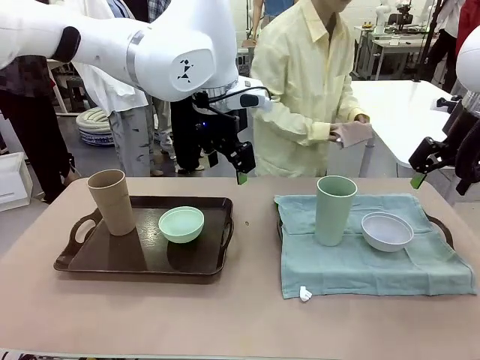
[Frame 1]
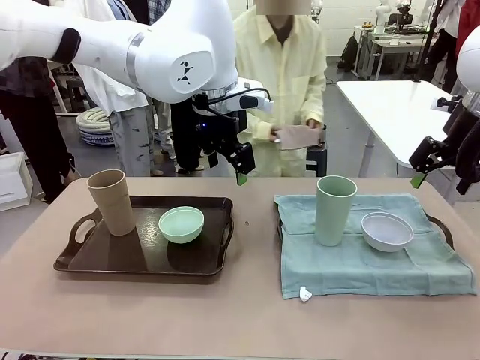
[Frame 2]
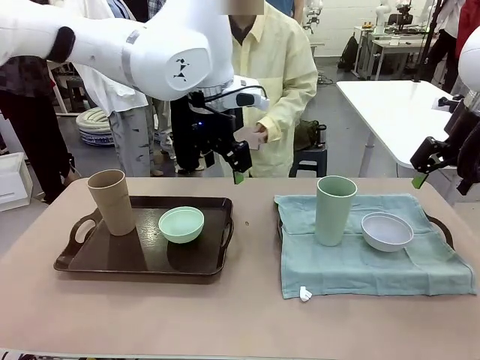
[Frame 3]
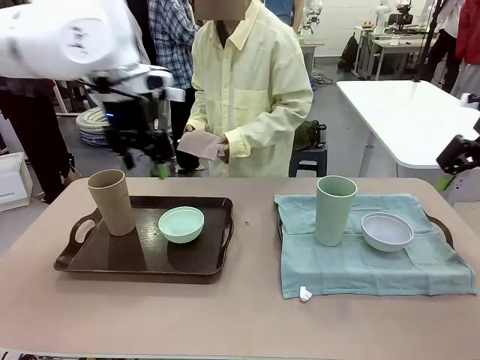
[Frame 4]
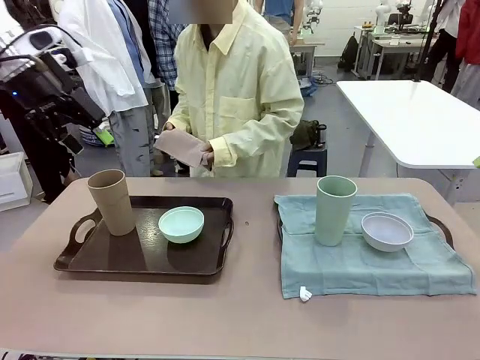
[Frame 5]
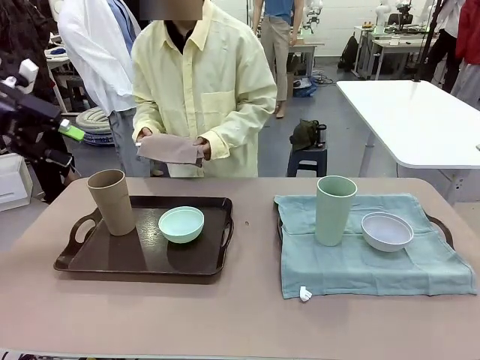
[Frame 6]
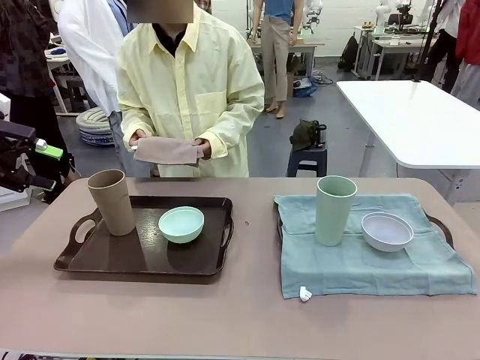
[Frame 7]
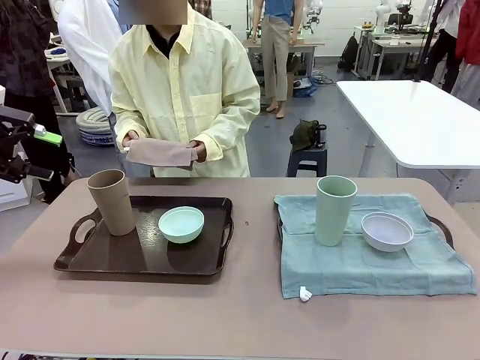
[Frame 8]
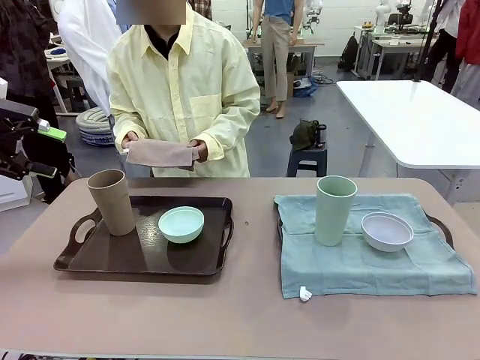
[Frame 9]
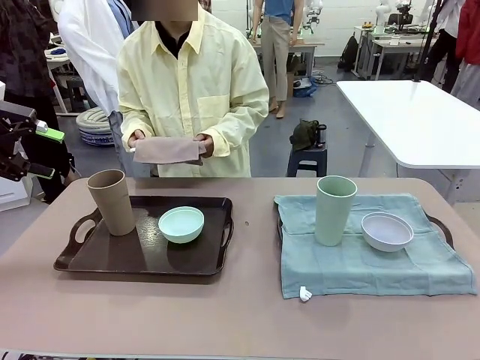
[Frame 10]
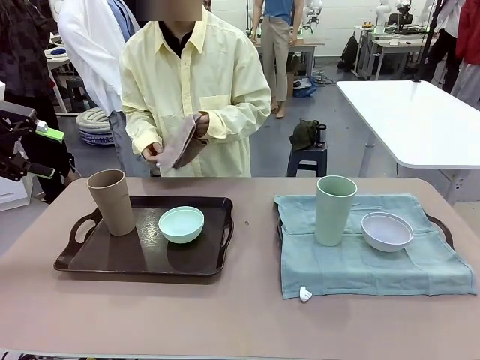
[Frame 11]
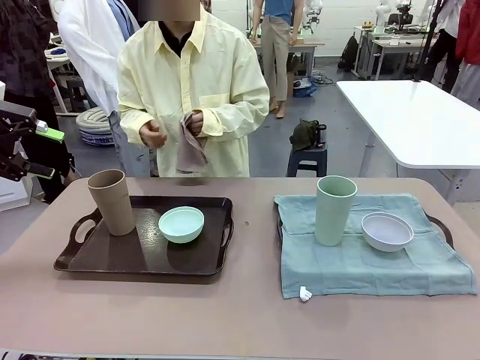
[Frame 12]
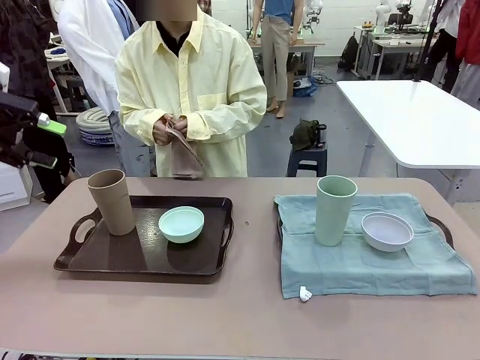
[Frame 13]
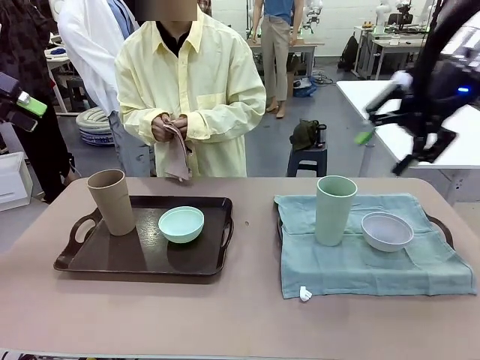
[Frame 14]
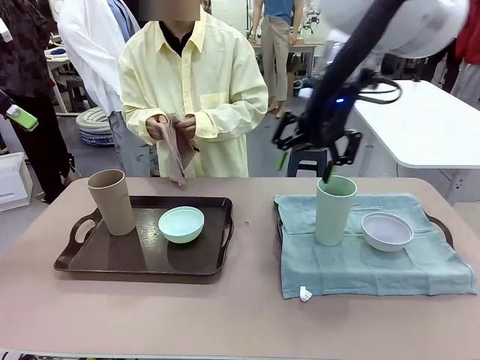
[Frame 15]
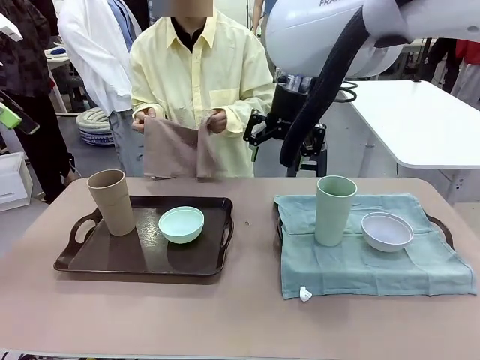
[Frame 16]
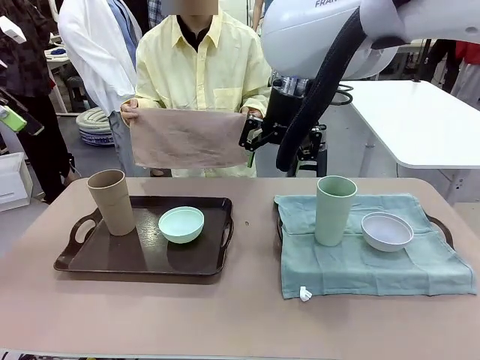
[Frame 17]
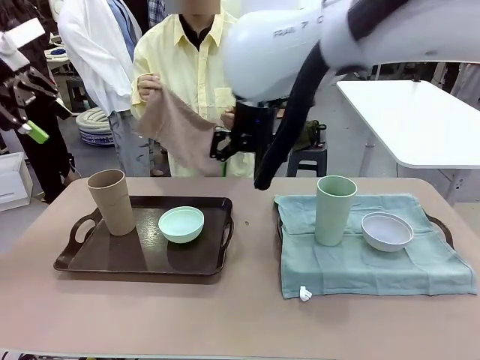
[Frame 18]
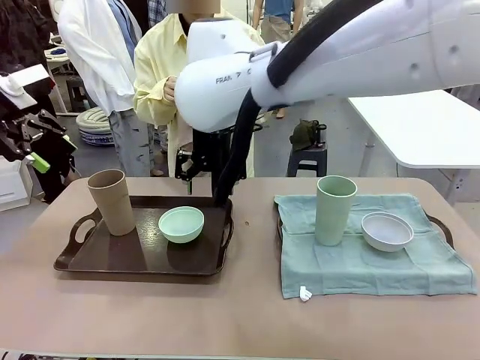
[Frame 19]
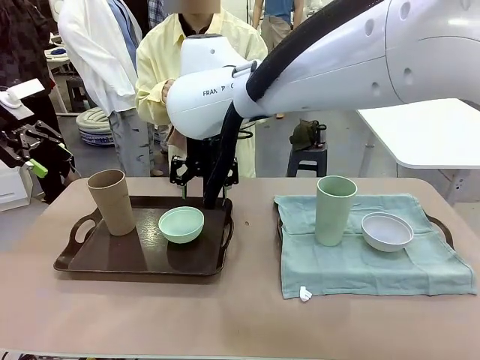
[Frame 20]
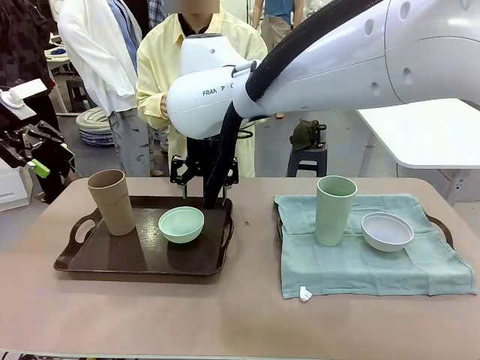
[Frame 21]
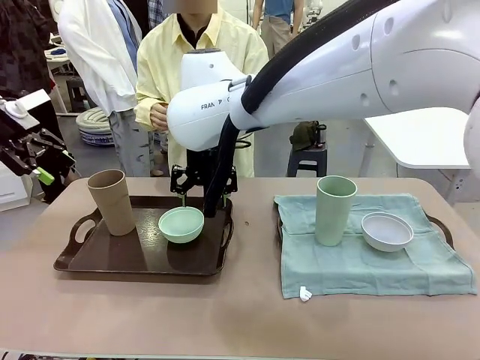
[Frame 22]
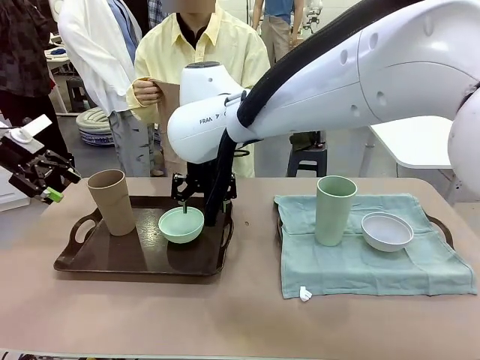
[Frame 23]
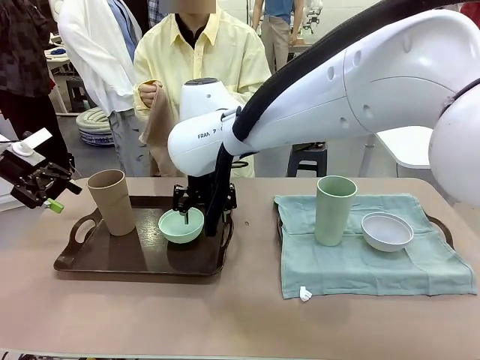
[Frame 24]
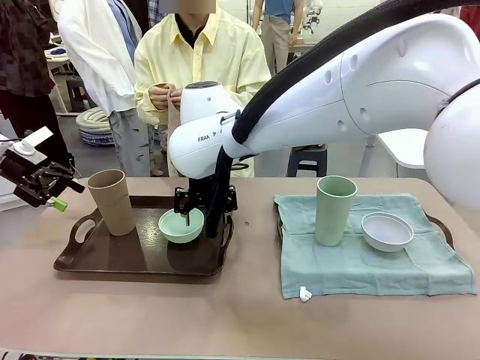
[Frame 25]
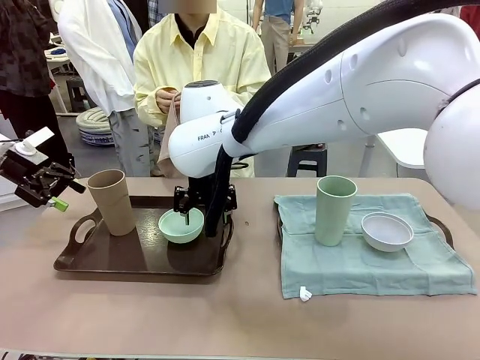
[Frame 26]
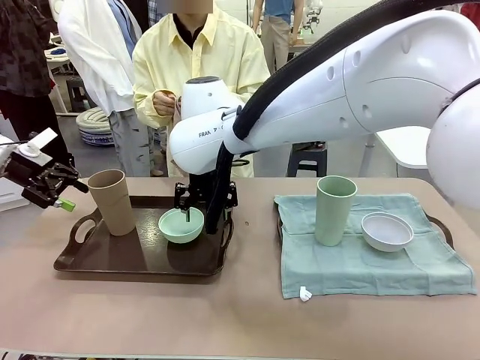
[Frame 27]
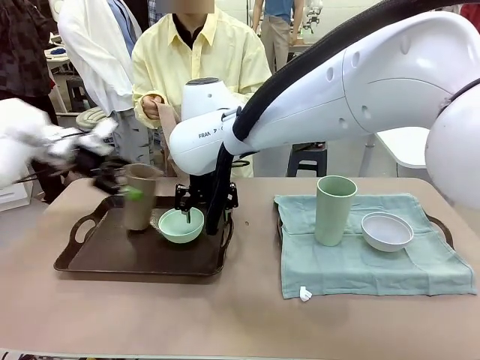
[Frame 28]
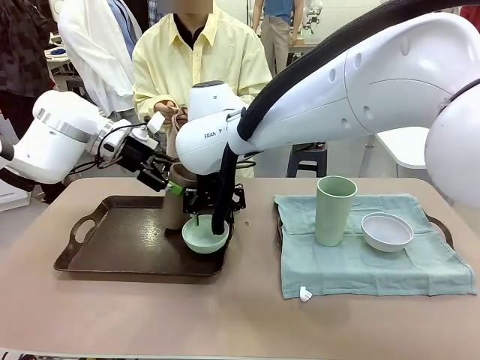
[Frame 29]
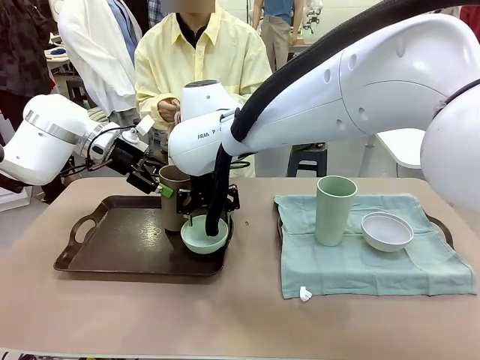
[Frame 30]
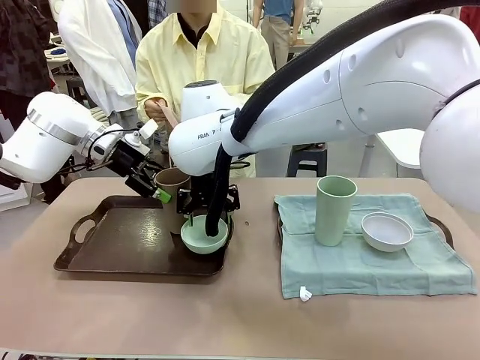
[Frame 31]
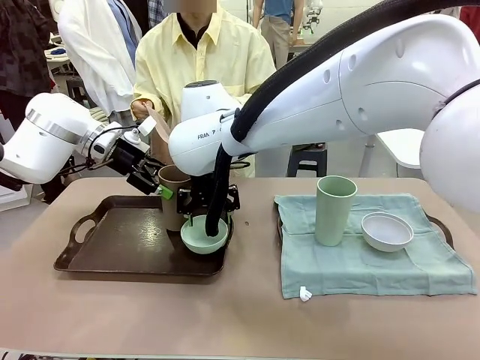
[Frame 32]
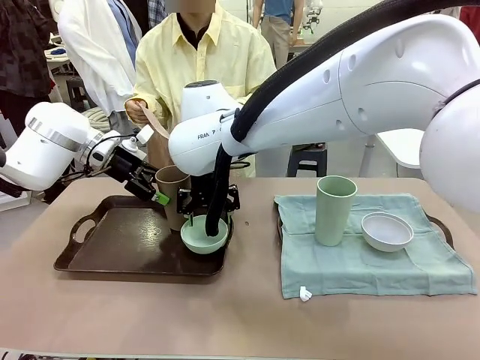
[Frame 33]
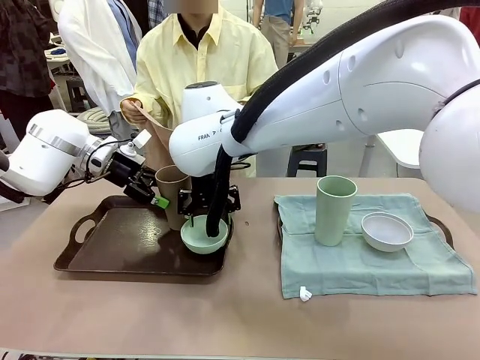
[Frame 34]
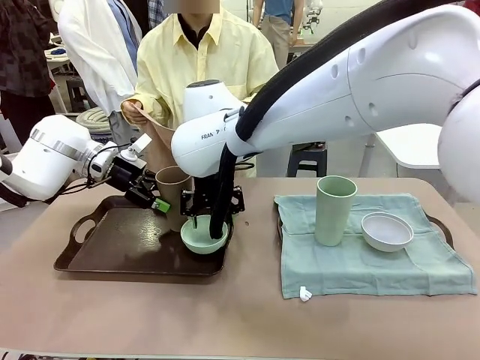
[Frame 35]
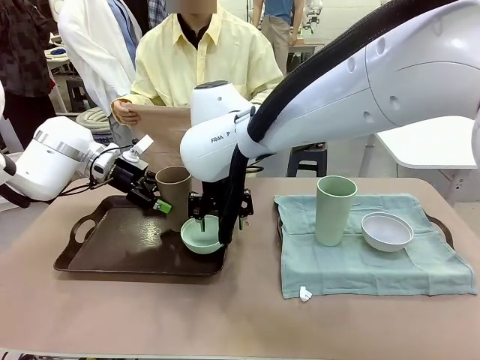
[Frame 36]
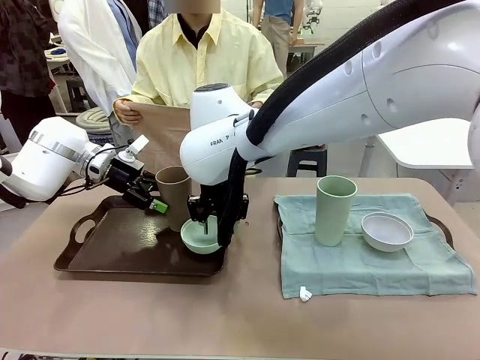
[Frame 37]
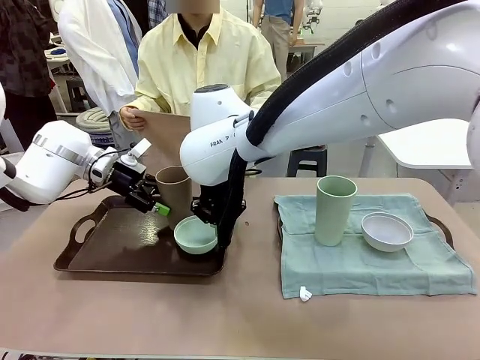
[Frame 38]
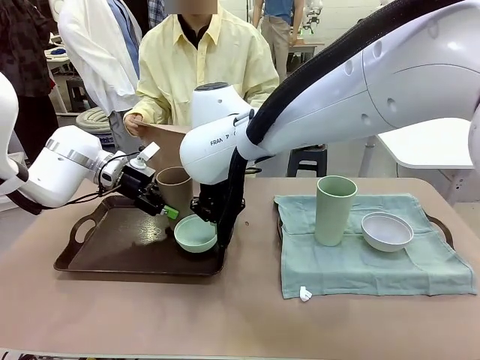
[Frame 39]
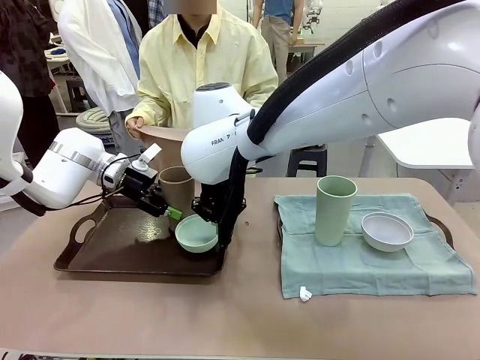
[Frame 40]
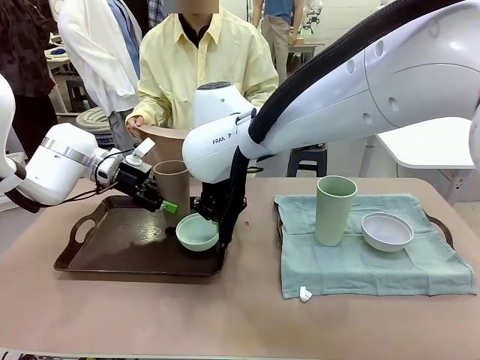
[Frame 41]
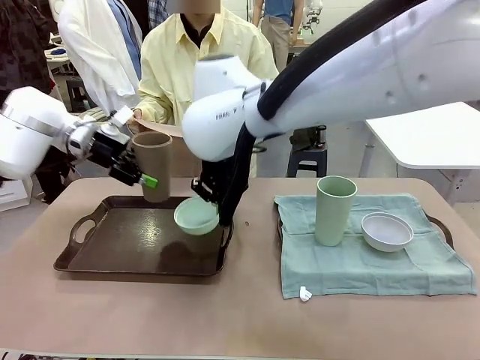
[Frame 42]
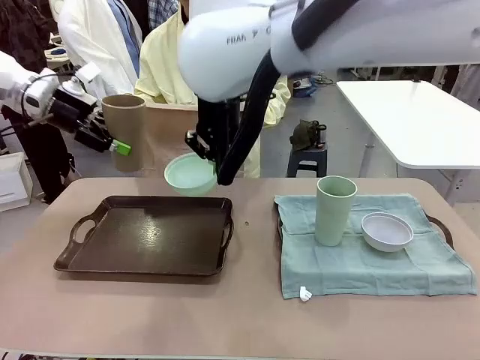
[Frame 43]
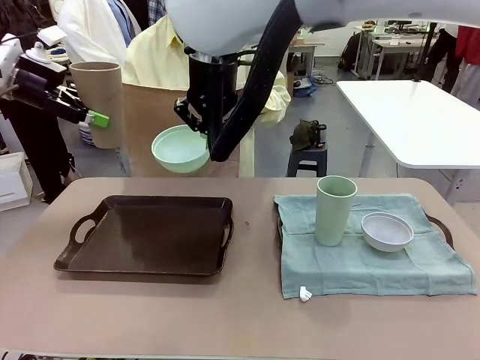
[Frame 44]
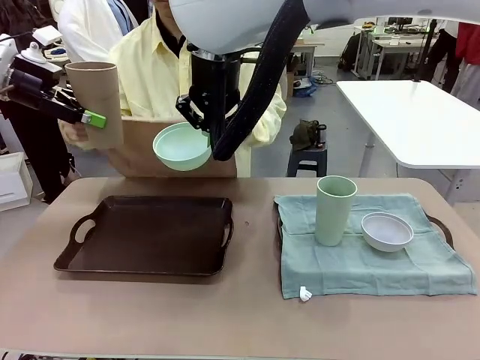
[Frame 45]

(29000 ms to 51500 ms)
Robot: Pick up the Picnic Bowl and Reusable plastic cup from the Handle tray in front of the human's position and hold them in the air.
Person: When the robot lifts the bowl and the cup, the human unfolds the napkin and lays the napkin flat on the tray.

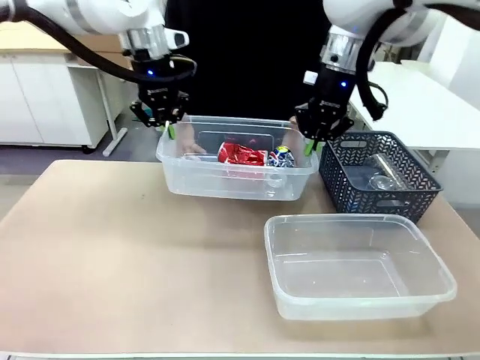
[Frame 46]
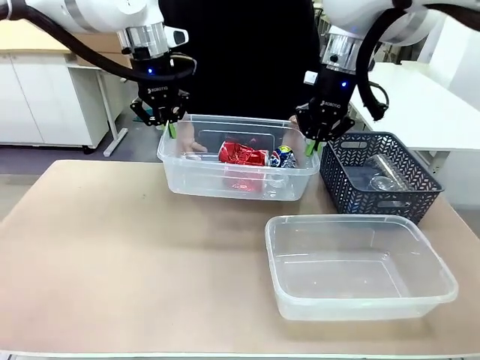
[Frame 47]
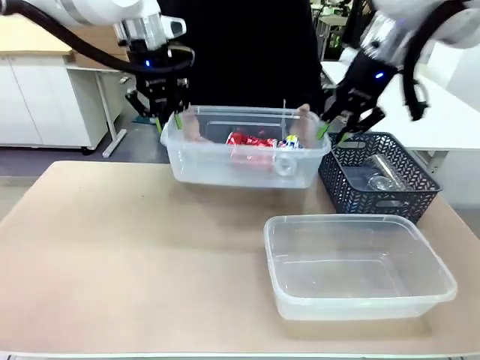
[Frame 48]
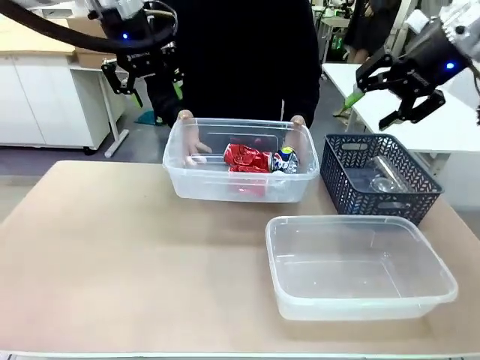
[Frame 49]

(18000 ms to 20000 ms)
Robot: Release the Organizing box you were holding.
